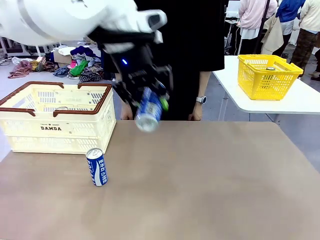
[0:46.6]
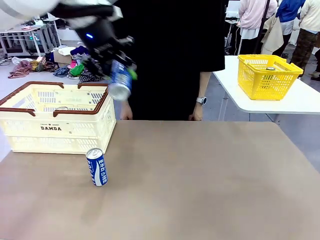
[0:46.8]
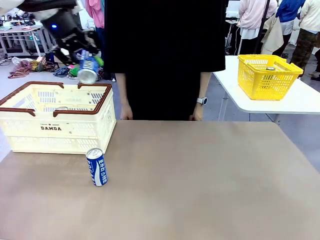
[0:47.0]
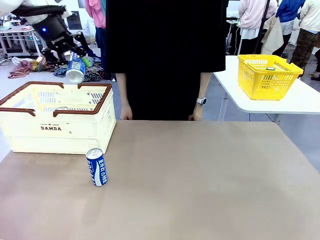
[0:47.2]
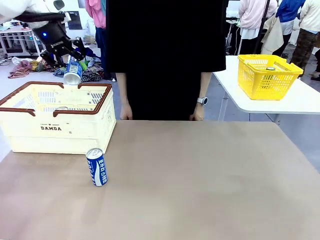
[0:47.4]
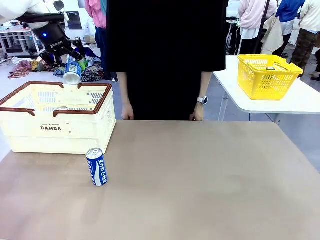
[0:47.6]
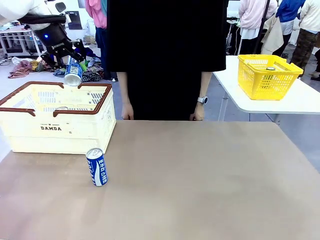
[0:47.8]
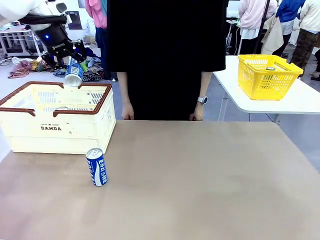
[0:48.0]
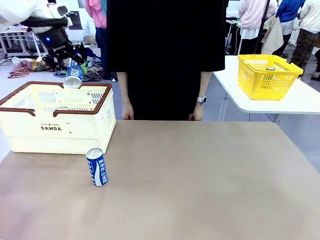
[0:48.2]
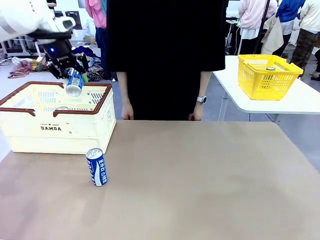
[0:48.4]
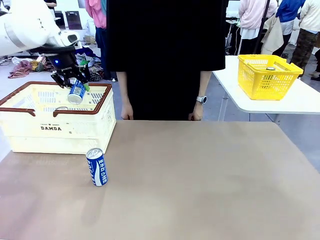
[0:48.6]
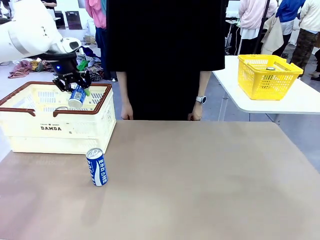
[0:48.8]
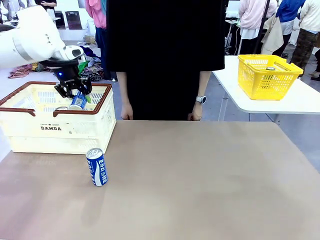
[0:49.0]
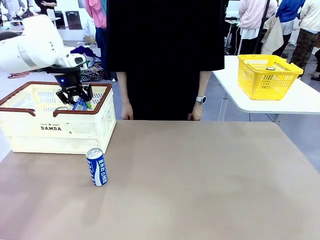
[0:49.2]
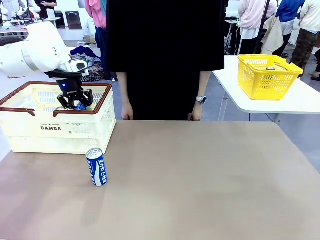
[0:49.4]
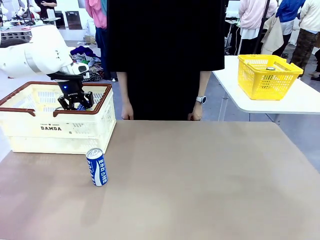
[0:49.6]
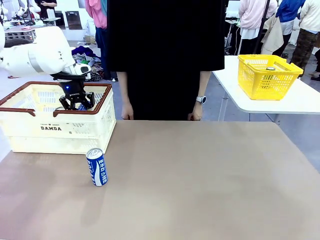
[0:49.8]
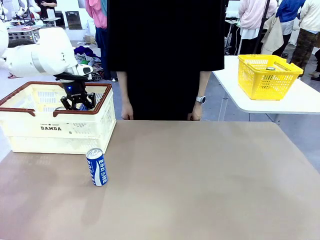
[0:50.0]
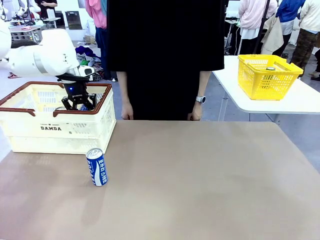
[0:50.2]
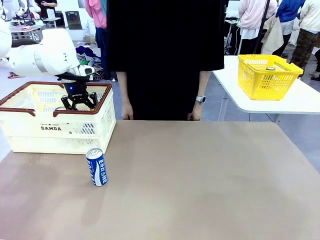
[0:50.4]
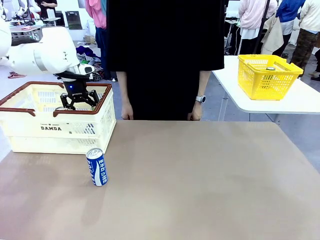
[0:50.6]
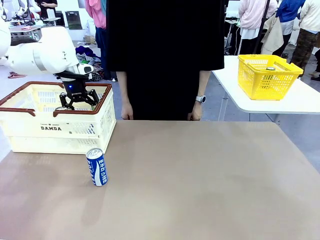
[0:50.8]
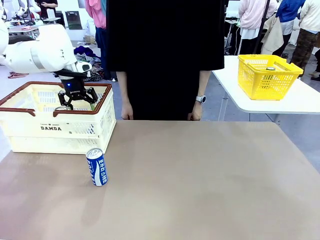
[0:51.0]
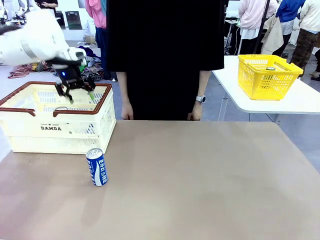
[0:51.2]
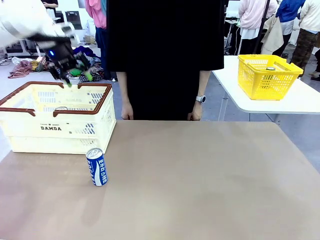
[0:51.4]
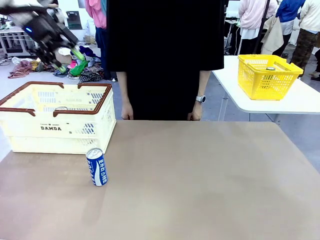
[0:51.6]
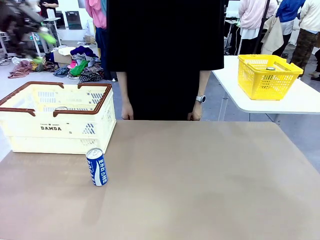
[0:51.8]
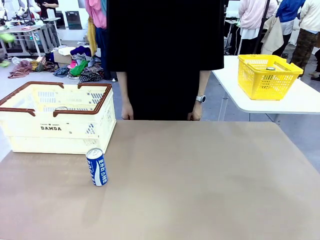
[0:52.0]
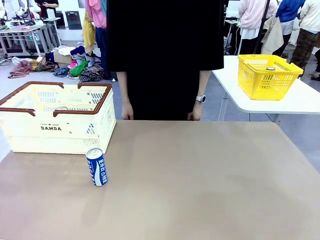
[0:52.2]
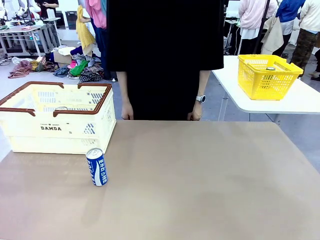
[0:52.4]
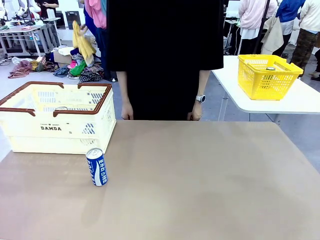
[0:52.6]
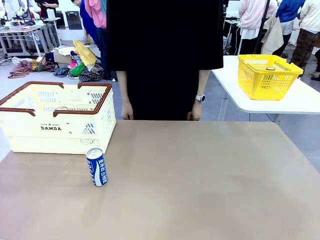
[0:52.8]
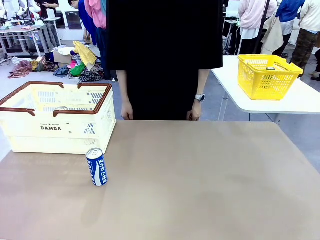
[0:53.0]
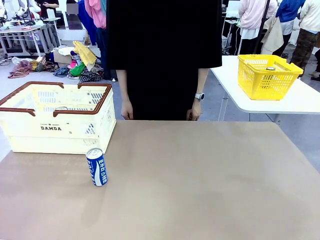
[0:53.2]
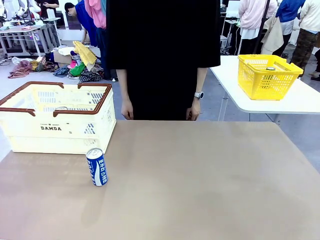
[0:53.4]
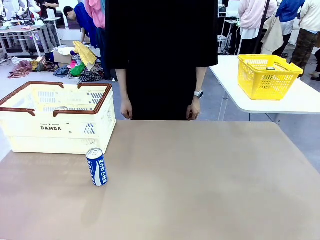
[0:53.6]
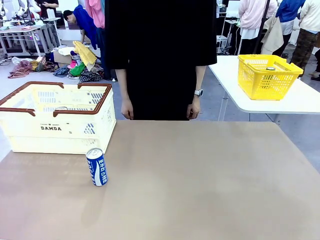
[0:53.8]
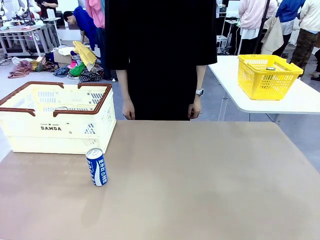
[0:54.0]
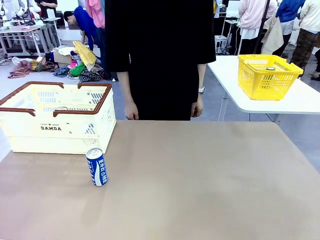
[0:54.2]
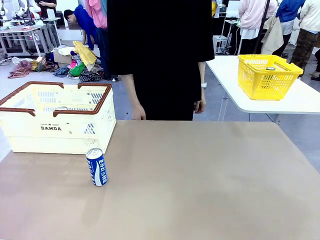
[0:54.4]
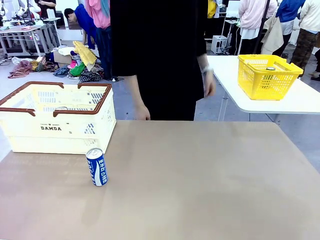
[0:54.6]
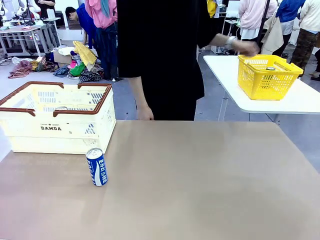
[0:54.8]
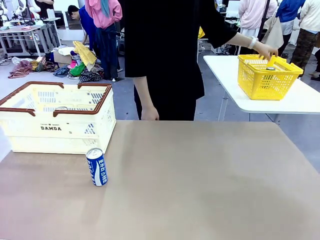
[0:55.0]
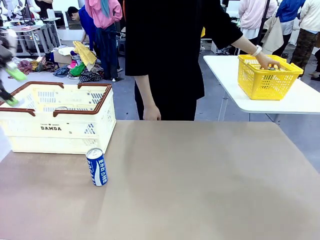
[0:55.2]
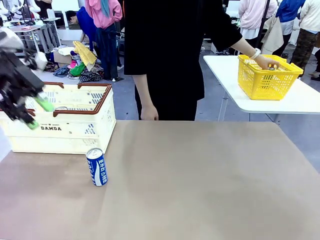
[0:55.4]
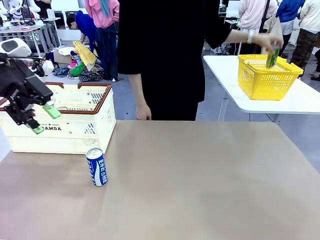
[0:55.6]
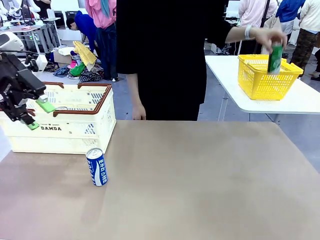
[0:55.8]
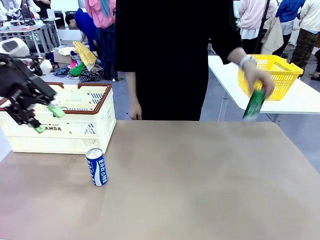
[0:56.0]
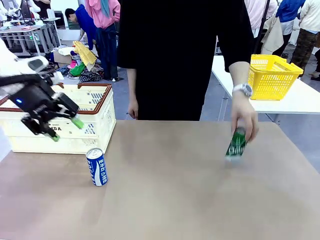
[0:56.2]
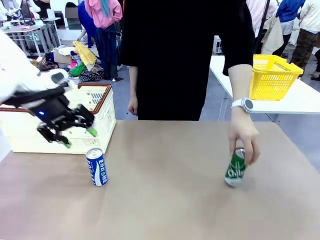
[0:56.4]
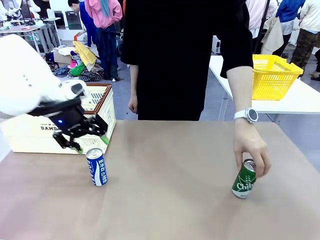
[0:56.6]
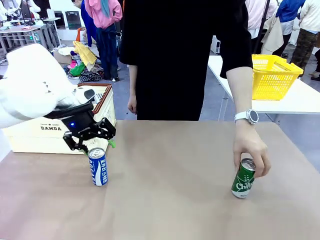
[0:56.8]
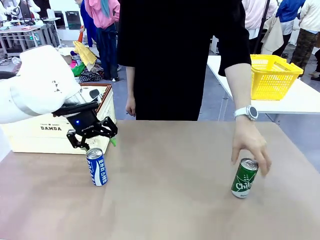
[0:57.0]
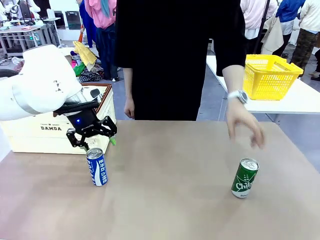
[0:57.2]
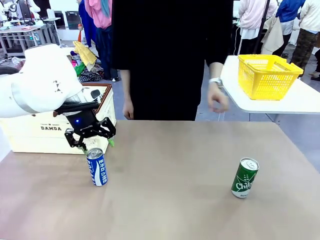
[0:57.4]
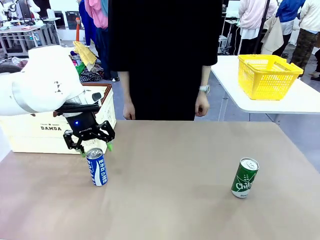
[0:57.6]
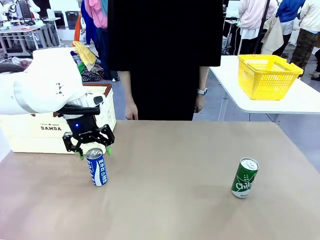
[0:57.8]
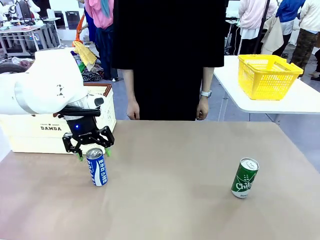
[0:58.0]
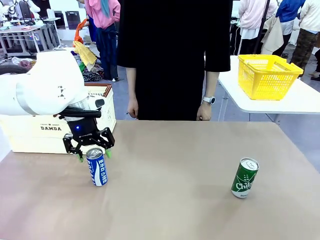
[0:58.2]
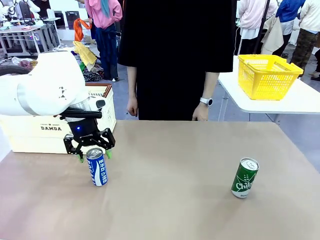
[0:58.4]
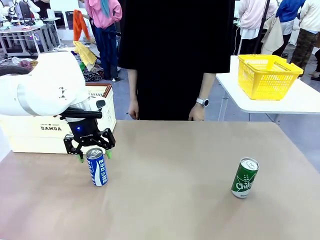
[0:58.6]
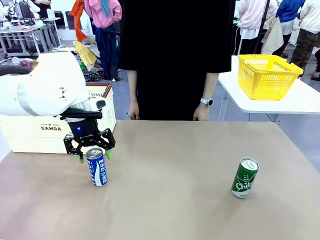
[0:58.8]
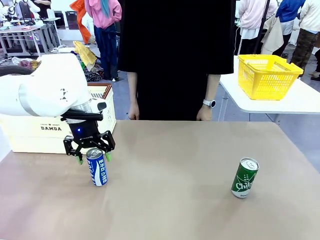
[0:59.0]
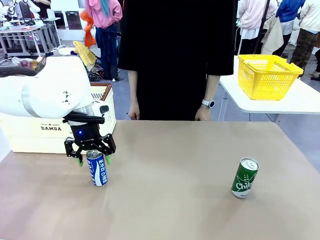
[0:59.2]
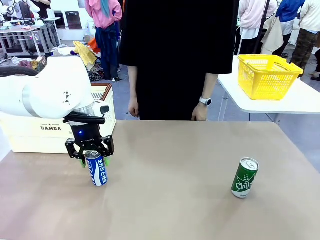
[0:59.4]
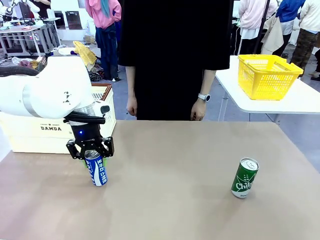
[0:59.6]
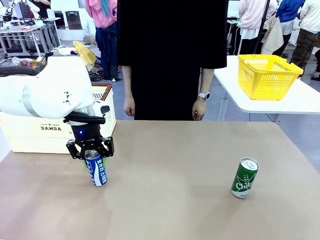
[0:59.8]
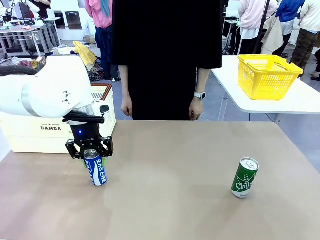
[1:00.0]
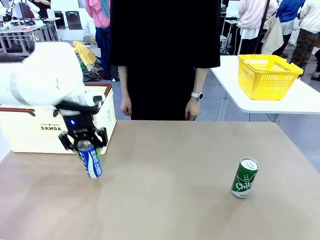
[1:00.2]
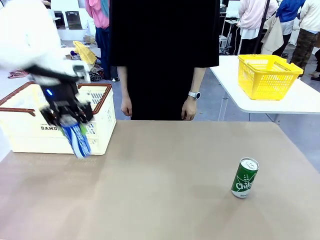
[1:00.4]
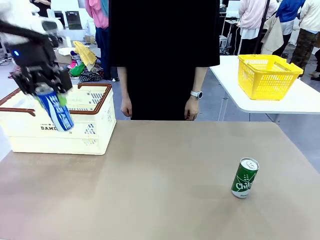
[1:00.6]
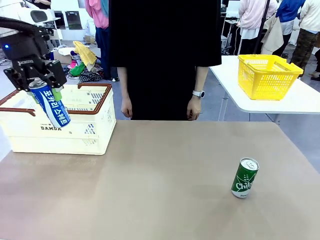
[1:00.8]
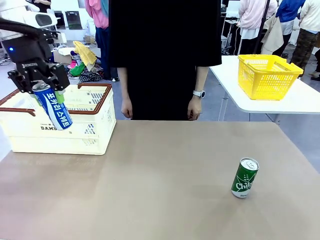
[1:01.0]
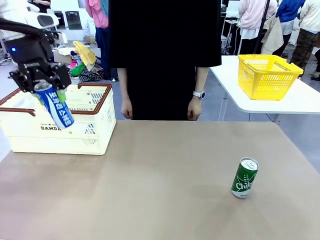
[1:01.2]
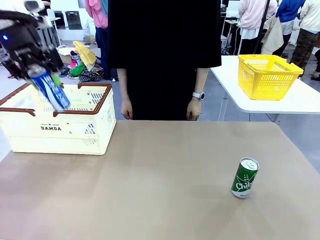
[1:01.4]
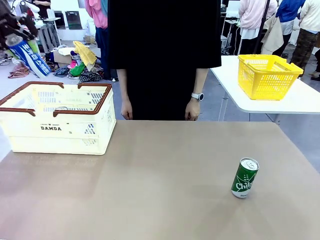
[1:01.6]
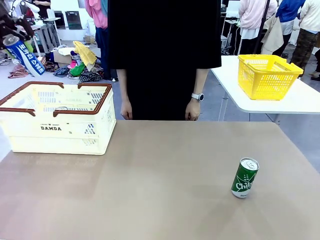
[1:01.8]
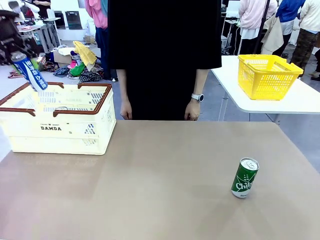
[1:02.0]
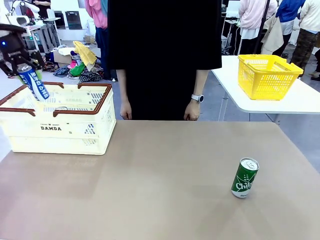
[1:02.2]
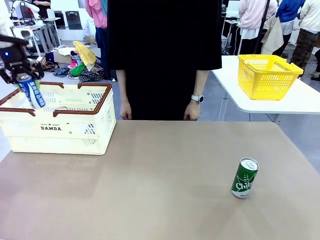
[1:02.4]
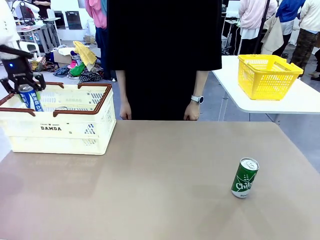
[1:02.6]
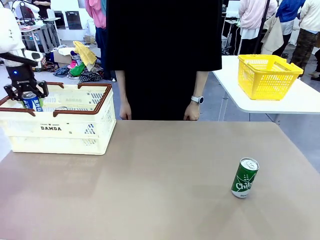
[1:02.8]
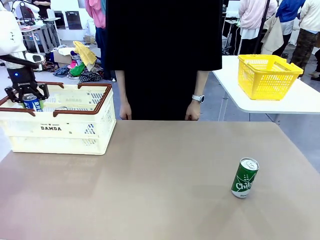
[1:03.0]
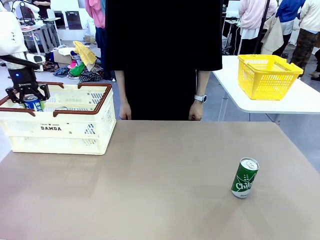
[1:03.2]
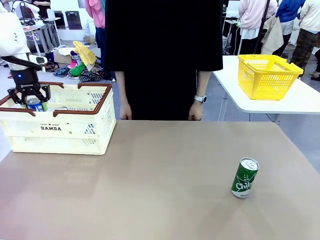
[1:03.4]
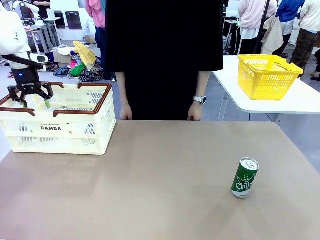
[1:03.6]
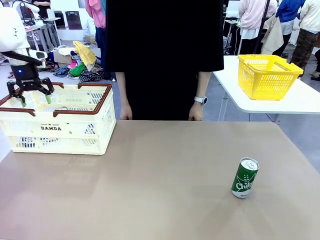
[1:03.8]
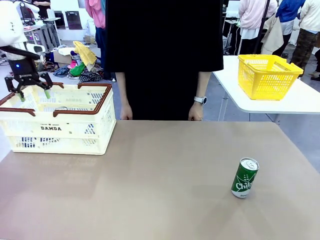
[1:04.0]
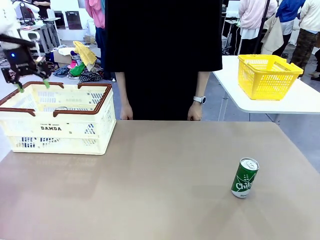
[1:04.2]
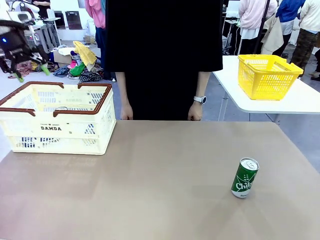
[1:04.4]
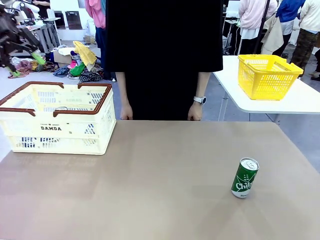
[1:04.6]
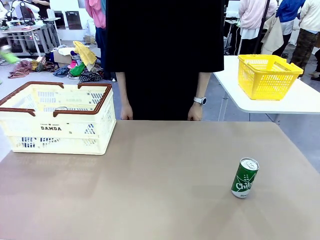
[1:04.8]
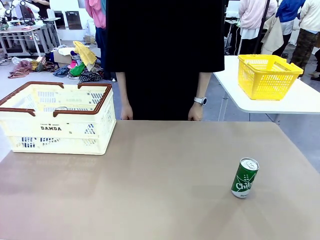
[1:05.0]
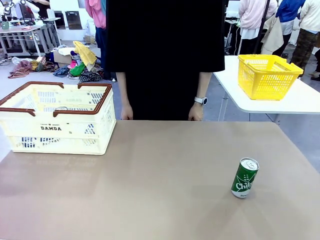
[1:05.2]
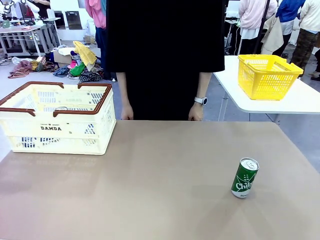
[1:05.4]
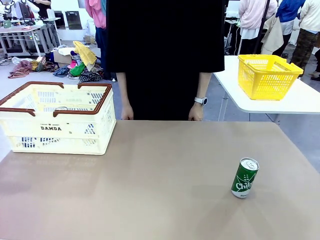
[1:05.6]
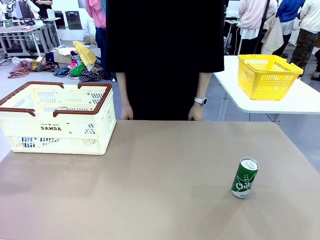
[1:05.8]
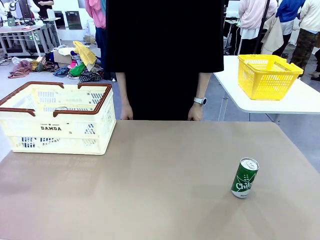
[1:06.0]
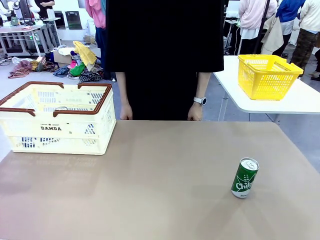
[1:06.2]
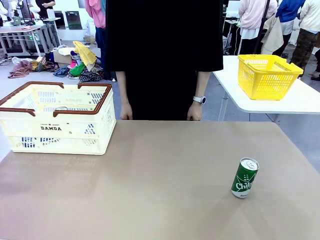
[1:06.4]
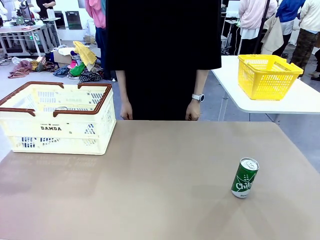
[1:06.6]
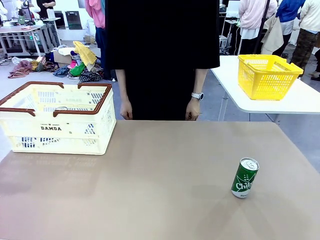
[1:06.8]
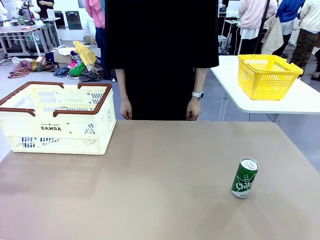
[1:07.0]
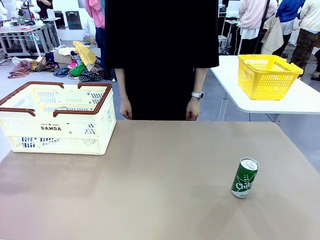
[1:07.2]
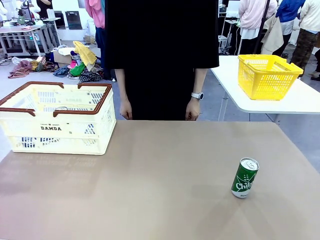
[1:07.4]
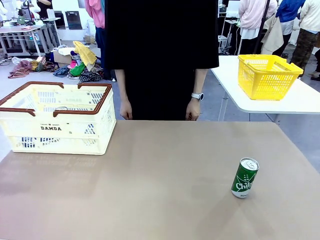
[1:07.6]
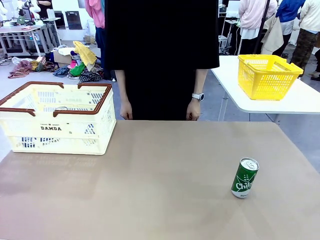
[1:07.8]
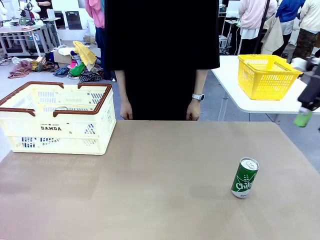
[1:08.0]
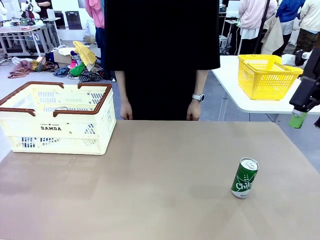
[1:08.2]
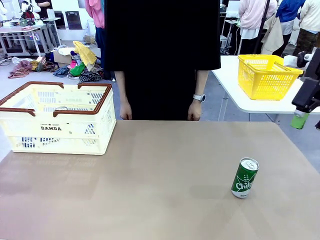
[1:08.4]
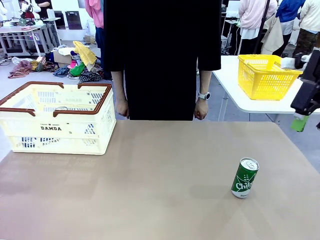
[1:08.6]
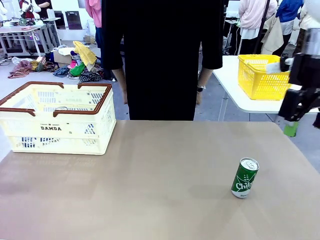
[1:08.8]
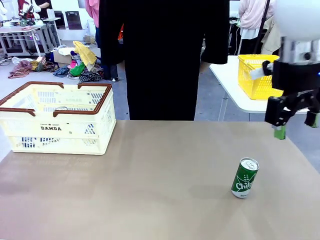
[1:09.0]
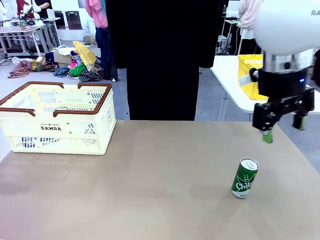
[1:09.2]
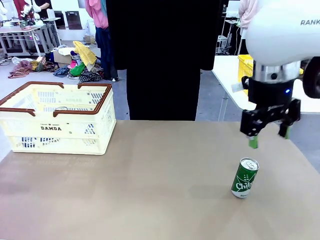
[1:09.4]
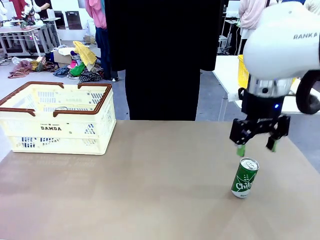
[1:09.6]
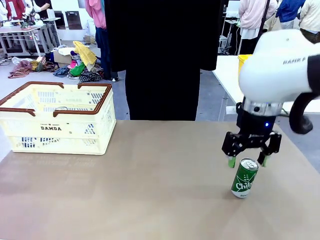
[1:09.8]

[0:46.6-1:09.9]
Task: Place the drinks into the Shopping basket.
Robot: Pick up one drink and place it into the Shopping basket.
